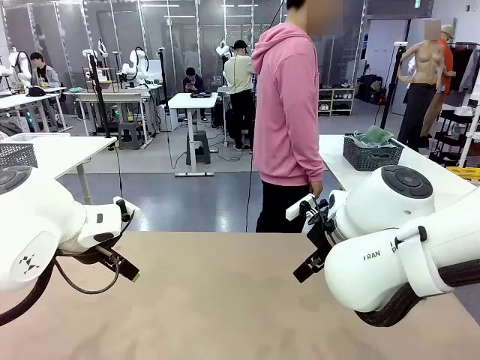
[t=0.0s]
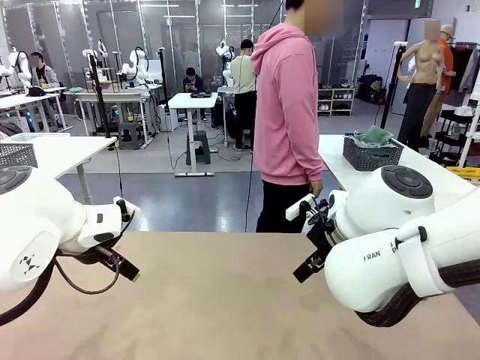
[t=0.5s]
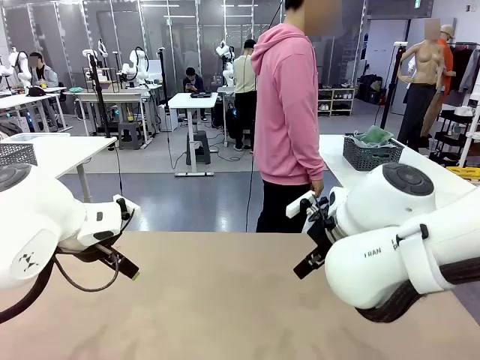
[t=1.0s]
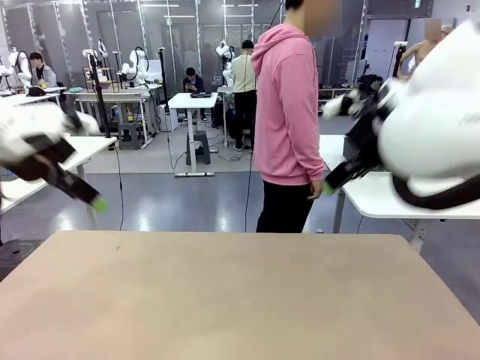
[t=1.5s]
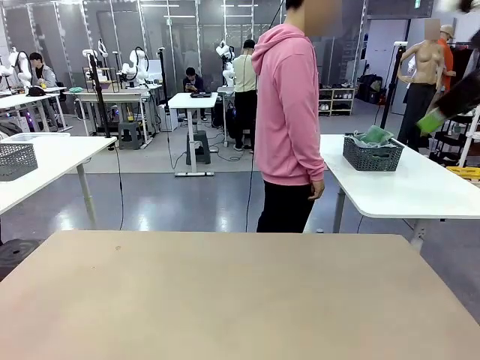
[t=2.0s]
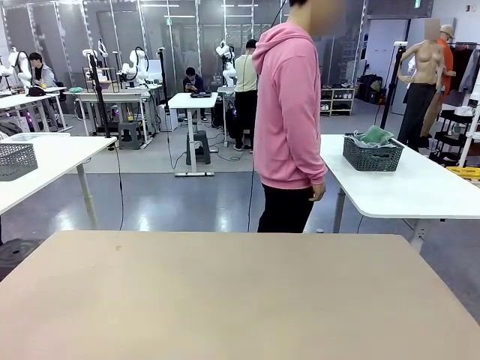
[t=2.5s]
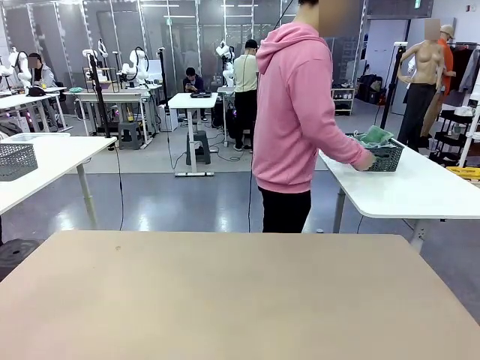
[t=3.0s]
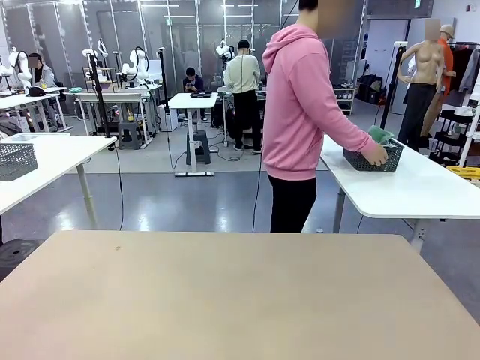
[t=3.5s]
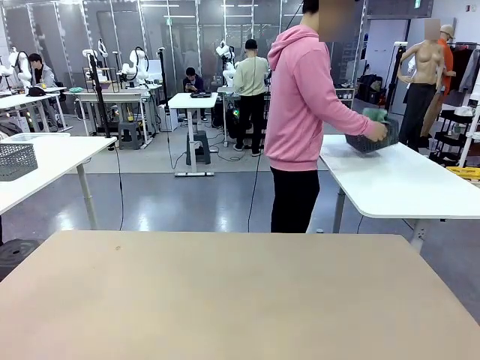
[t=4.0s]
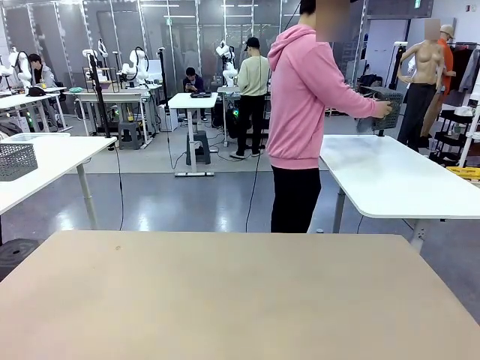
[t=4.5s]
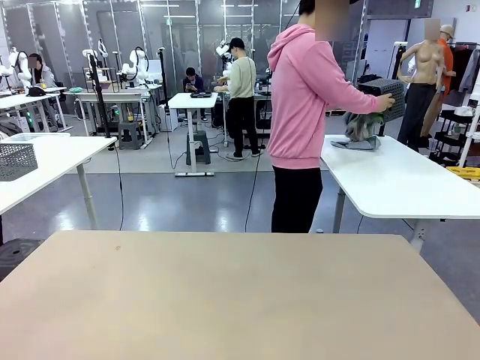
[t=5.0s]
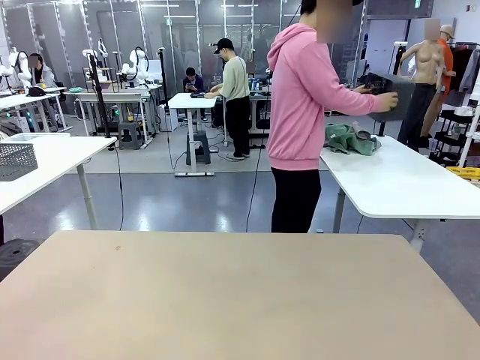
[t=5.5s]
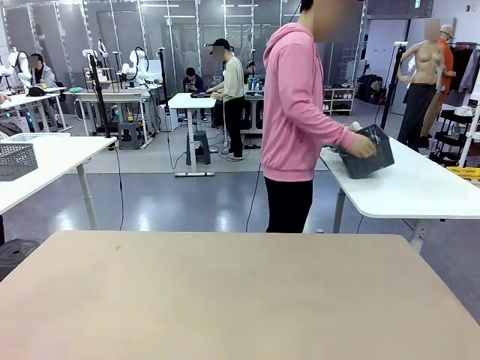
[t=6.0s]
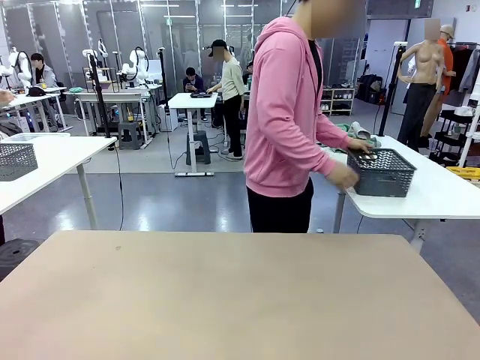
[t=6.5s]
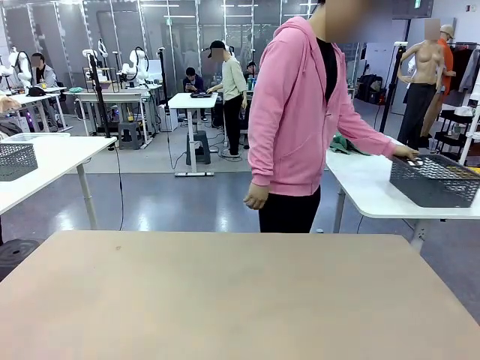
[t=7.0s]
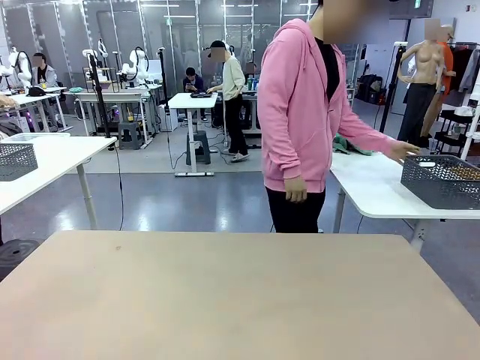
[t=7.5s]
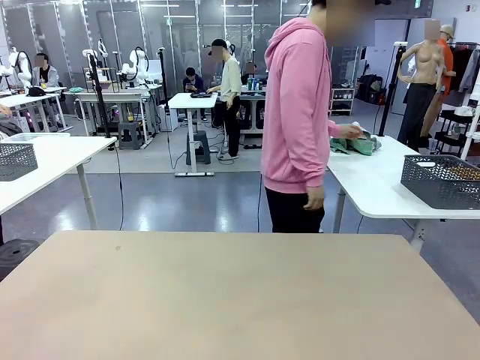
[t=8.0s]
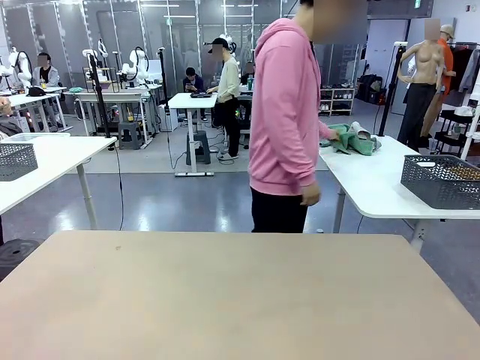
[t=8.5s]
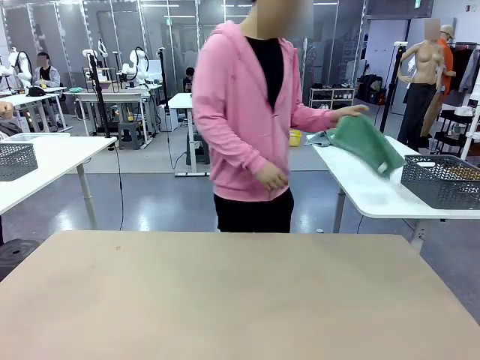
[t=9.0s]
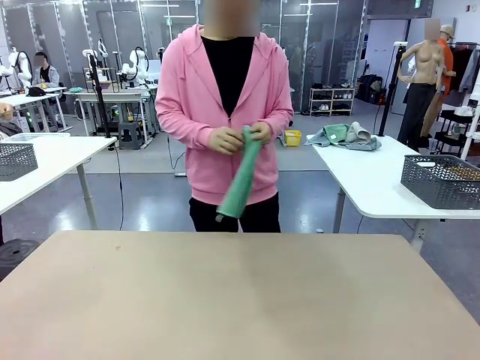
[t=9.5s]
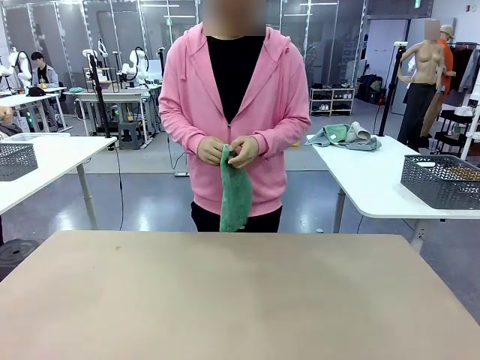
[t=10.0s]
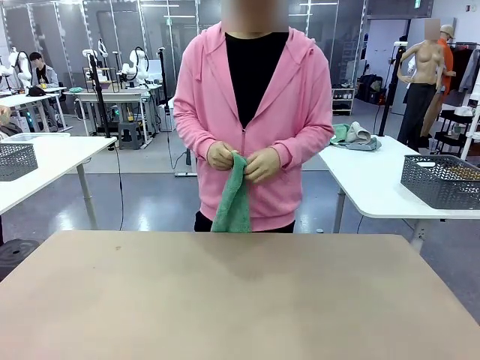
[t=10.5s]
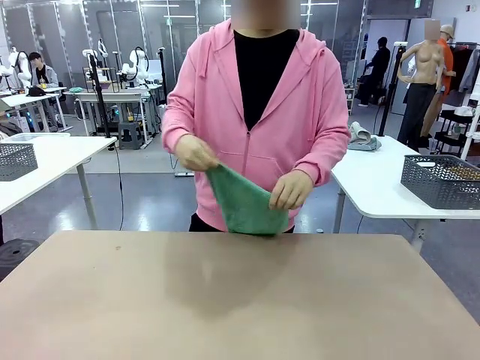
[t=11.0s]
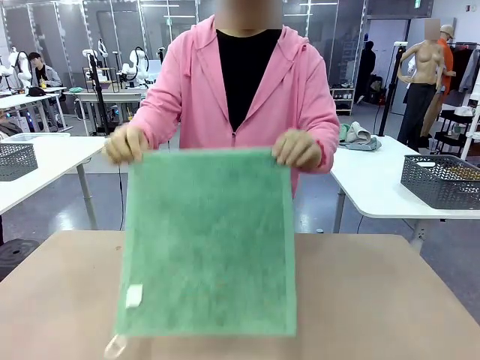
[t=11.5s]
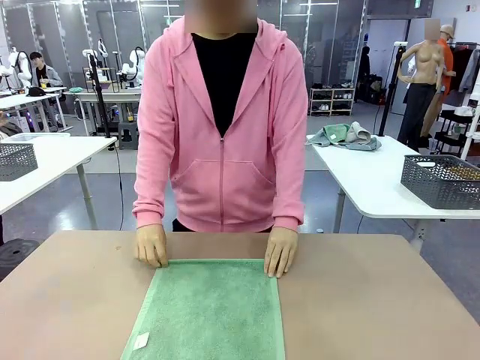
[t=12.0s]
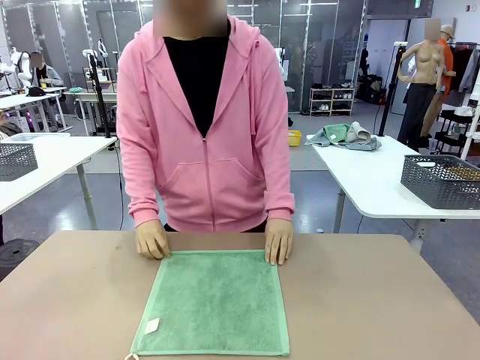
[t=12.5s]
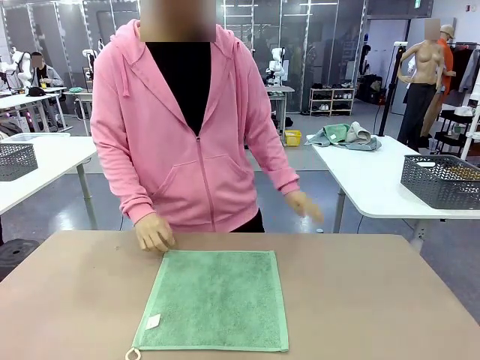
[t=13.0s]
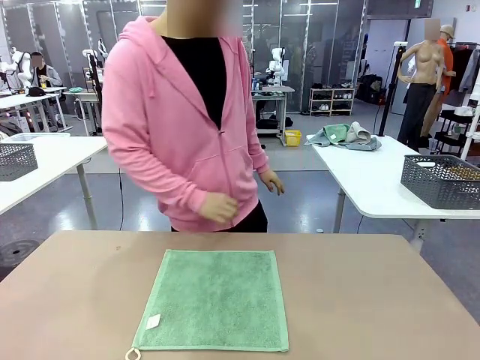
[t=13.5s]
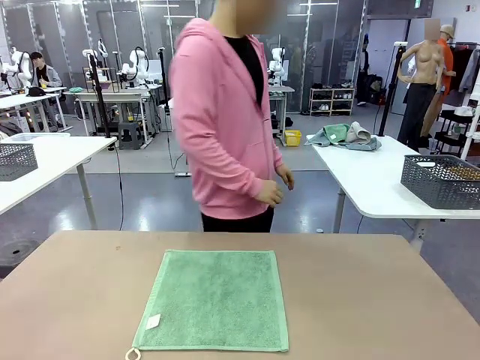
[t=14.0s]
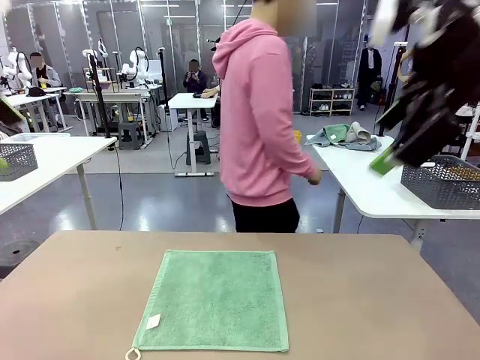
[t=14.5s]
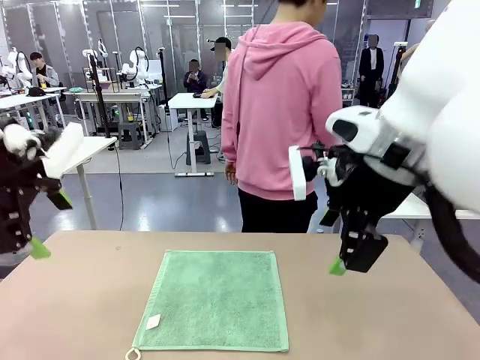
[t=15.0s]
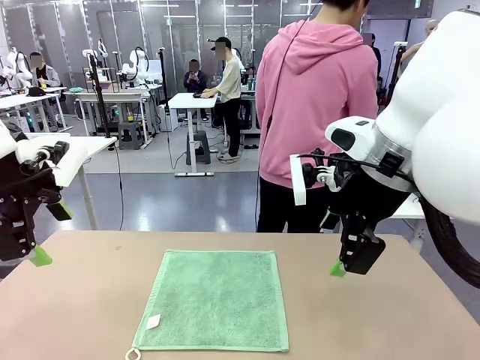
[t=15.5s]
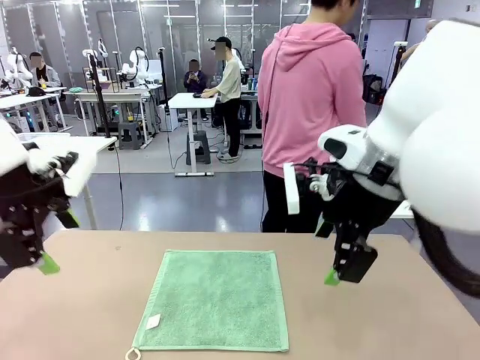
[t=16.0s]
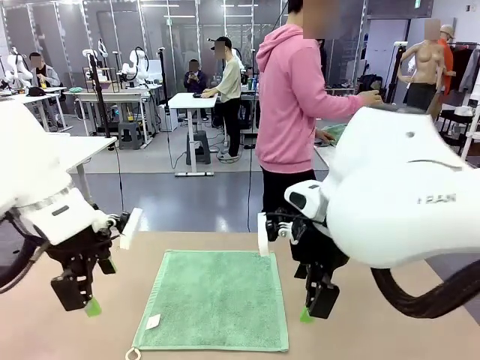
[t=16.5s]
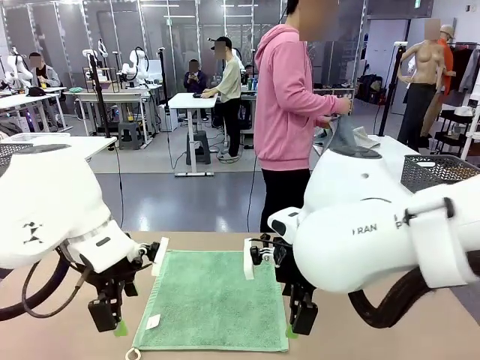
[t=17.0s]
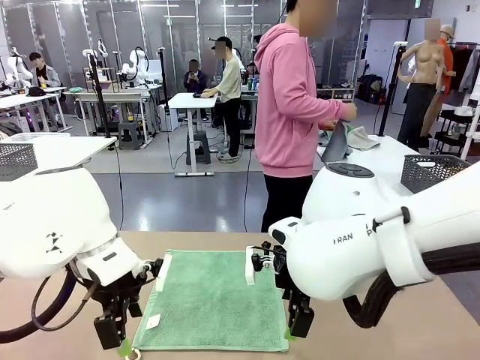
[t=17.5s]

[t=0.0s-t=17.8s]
Task: Fold the towels and place them in the basket.
Robot: When a person lays out a Towel with hook on the table, fold it in half twice.
Person: Pick up the basket, pour the towels onto the left side of the human table, and place the basket on the right side. Pick up one towel and spread it out at the center of the robot table.
